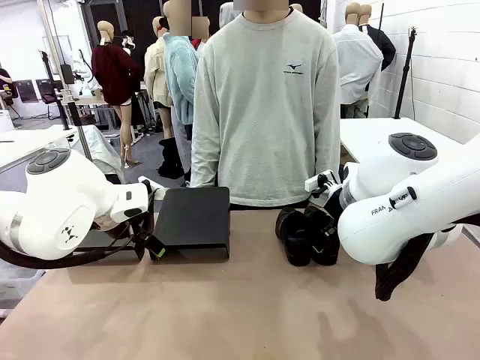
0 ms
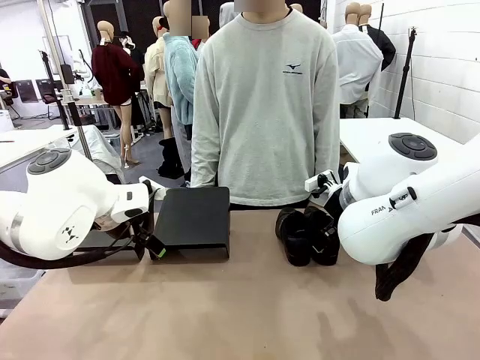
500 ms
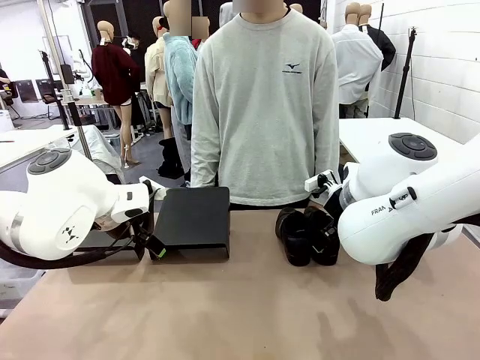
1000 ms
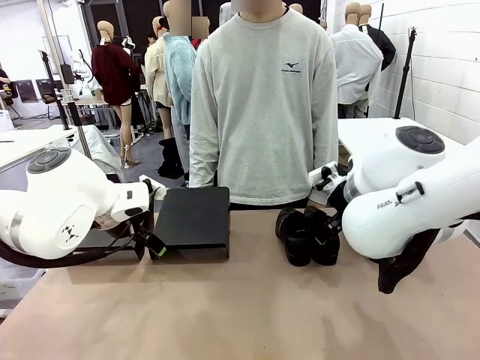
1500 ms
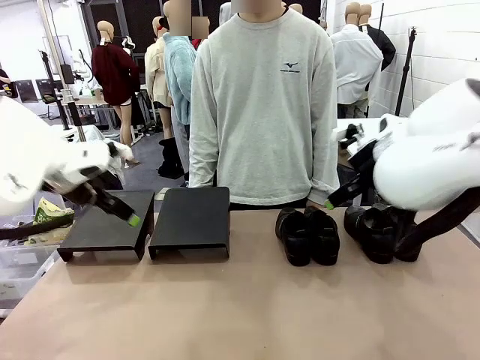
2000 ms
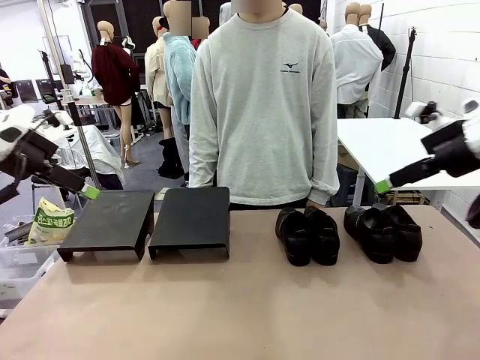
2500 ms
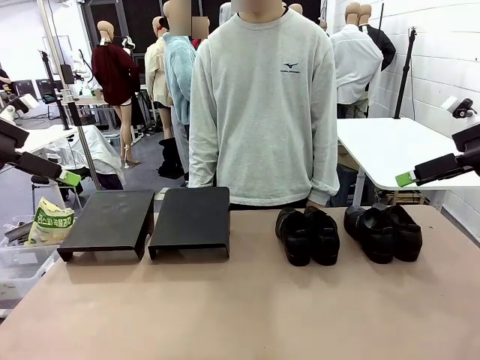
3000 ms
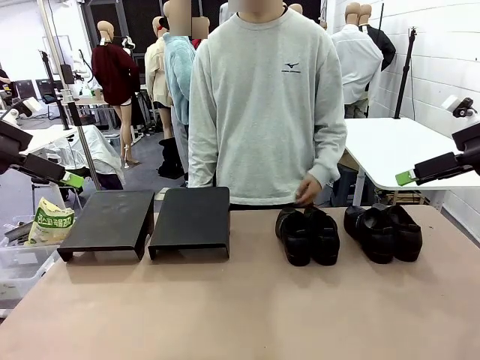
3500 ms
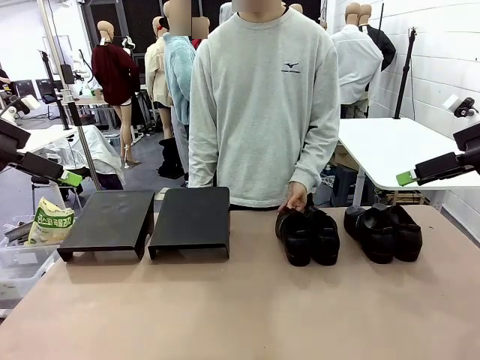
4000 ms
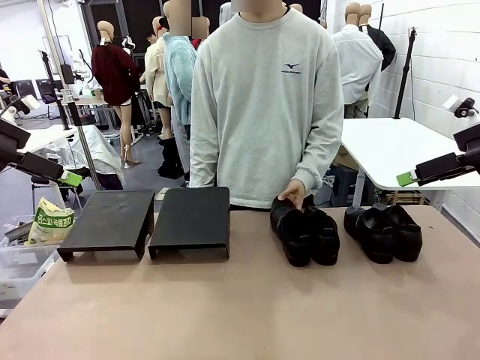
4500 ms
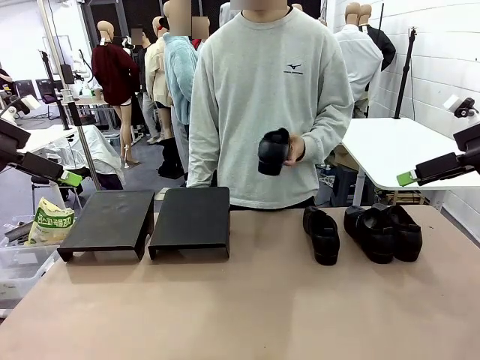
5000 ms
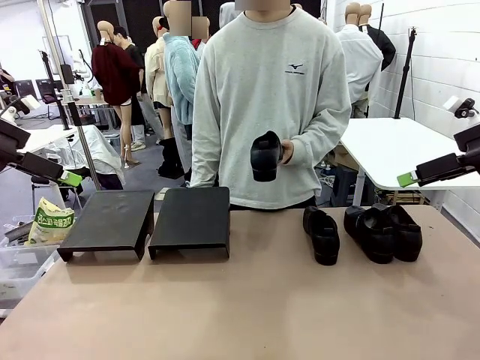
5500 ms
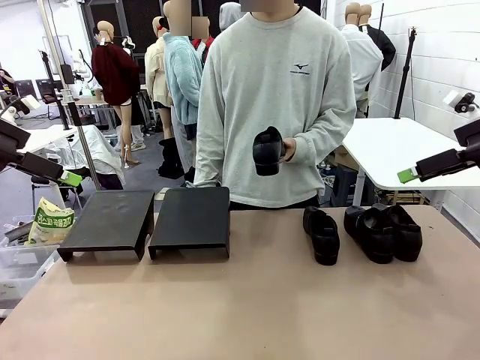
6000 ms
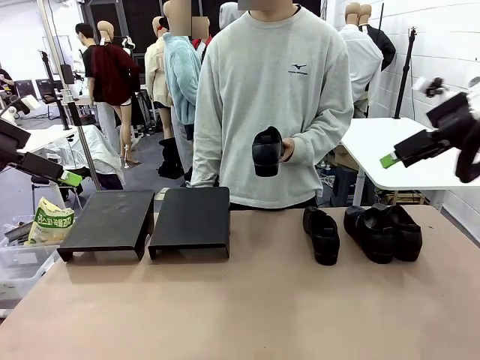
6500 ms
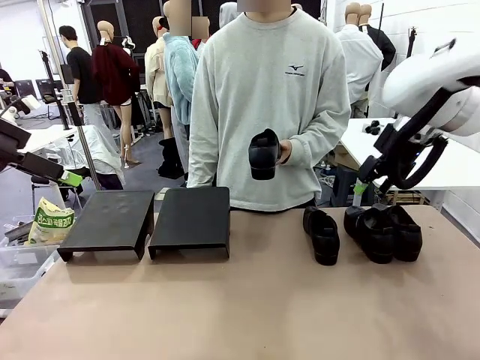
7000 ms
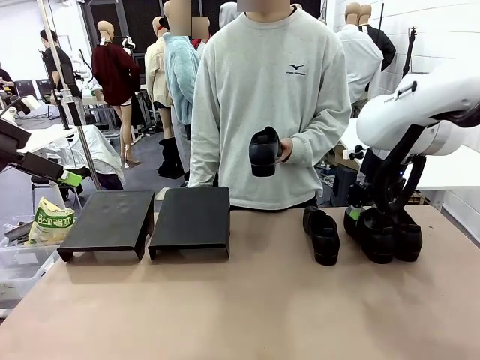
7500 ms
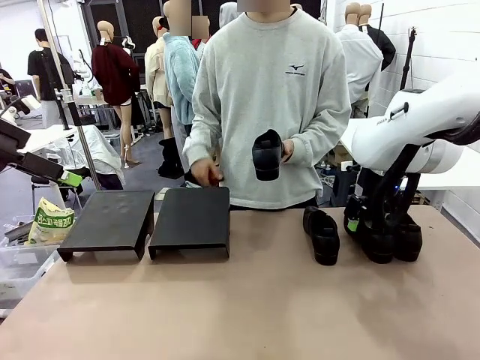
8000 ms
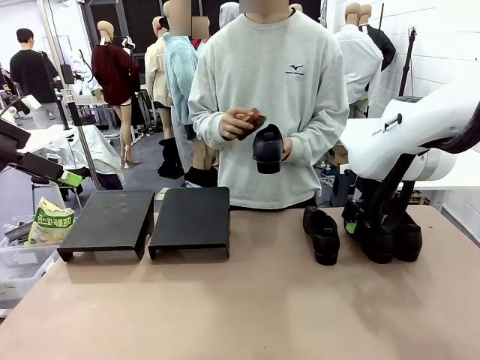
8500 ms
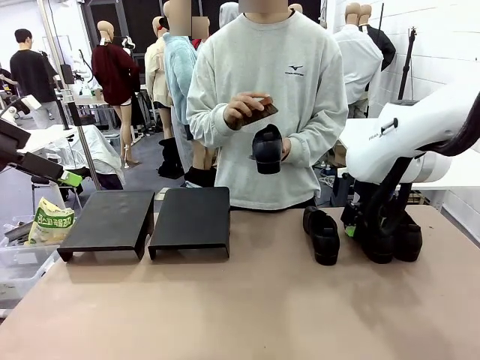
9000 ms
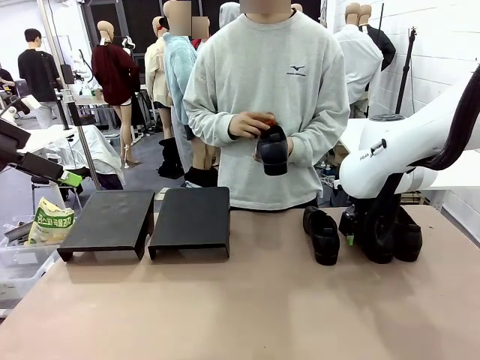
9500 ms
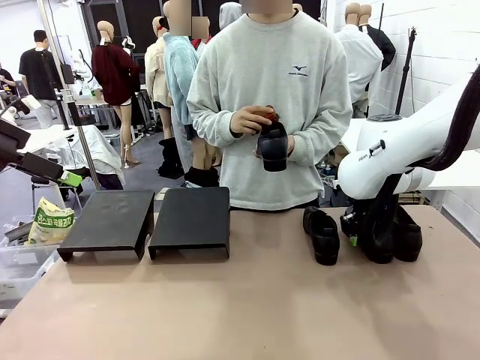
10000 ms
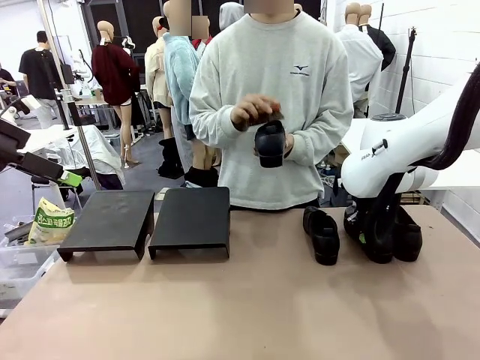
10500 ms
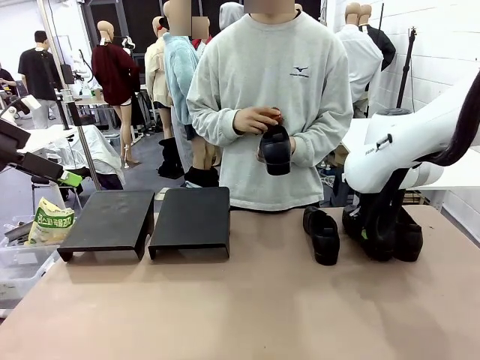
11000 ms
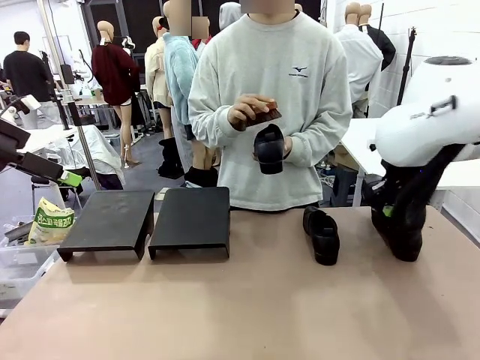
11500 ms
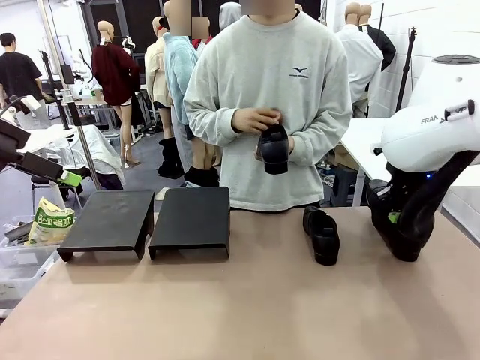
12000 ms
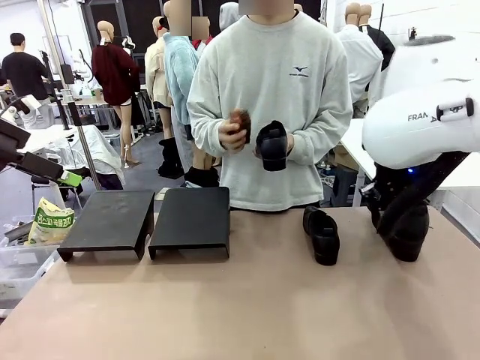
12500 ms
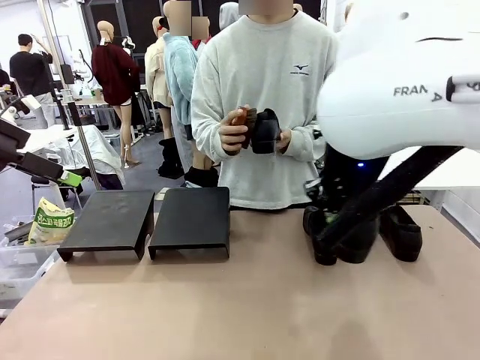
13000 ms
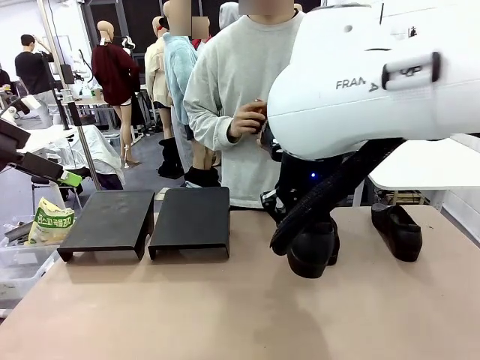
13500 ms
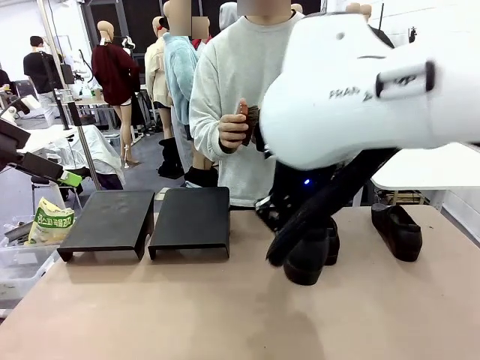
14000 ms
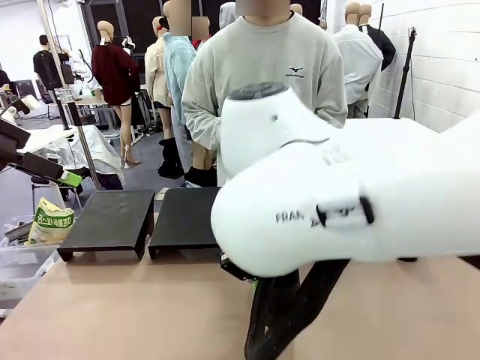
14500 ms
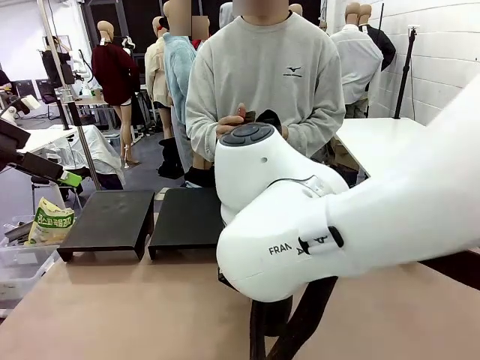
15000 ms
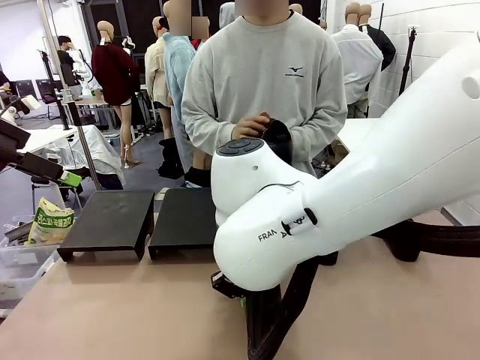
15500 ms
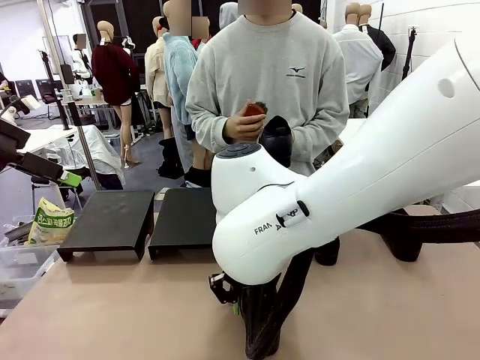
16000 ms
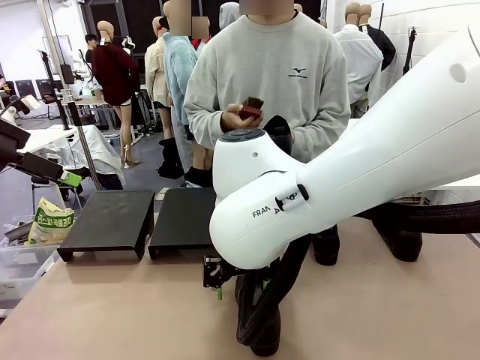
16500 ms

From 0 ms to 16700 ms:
Task: Organize the shoes by placing them on the stand.
Robot: Pick up one Shoe and place it in the middle of the table.
Person: Pick one Shoe on Robot's table.

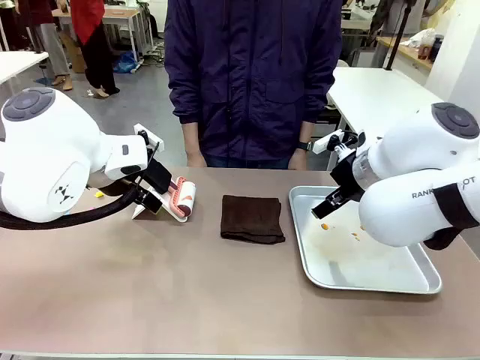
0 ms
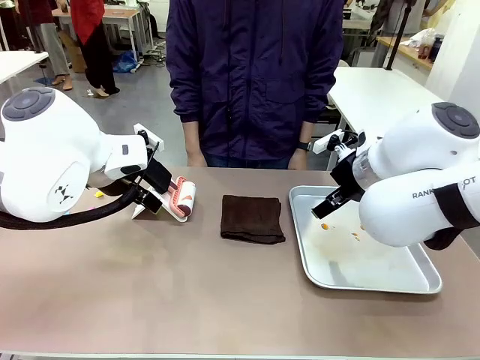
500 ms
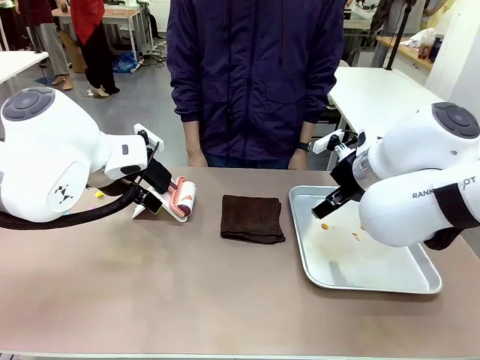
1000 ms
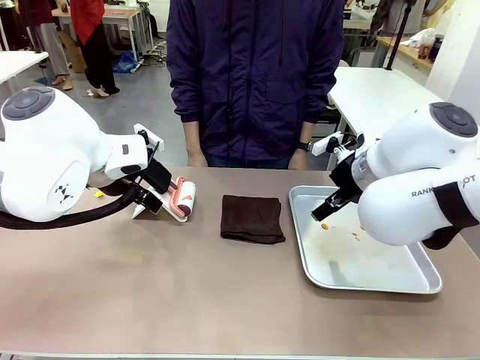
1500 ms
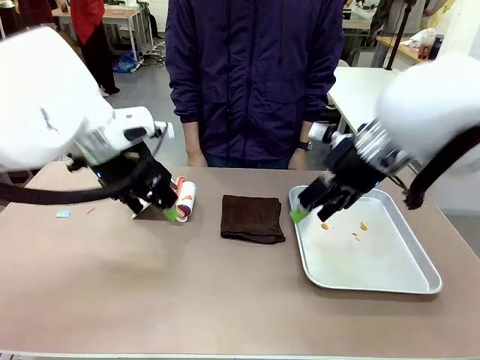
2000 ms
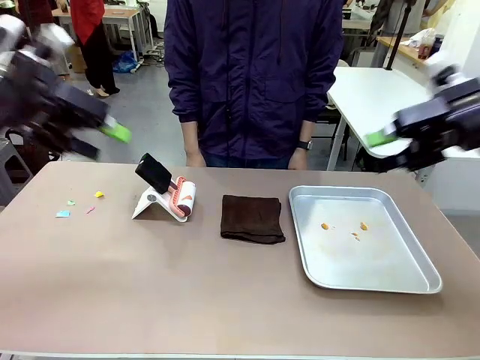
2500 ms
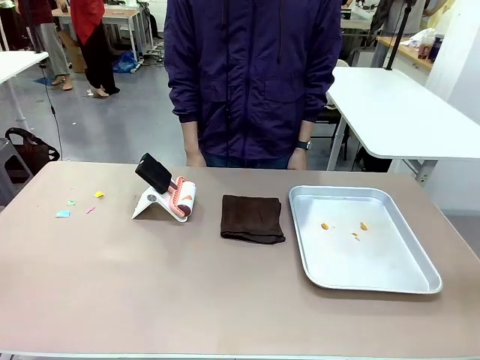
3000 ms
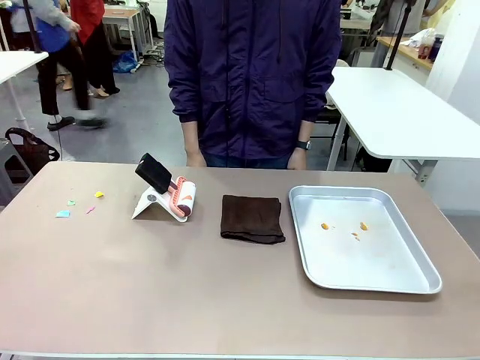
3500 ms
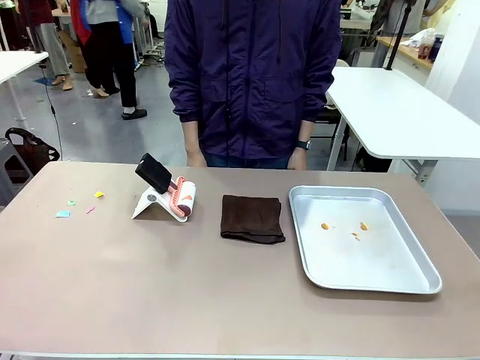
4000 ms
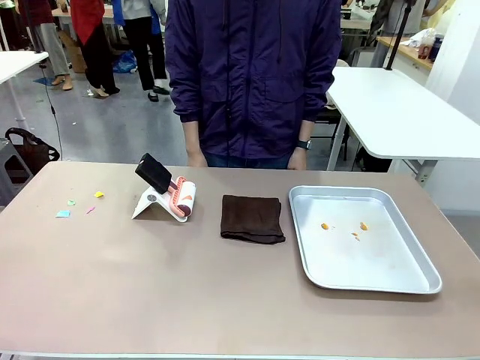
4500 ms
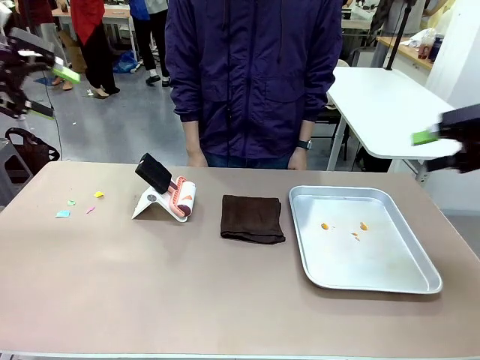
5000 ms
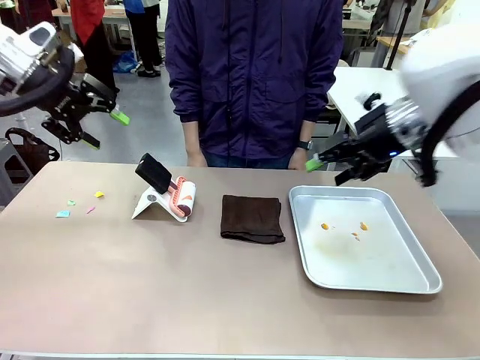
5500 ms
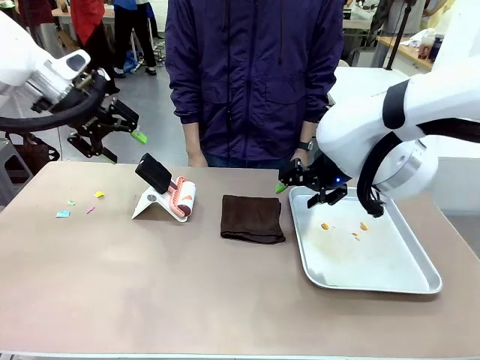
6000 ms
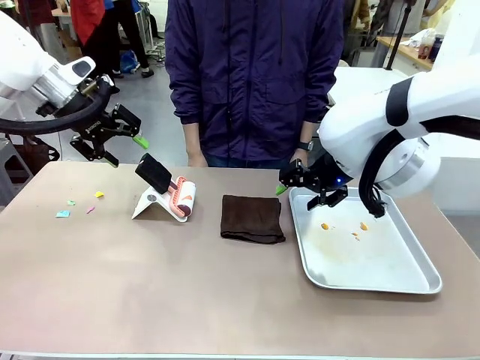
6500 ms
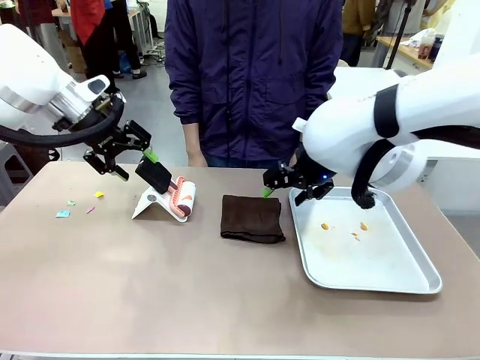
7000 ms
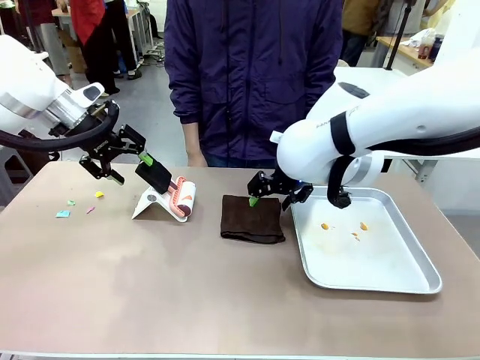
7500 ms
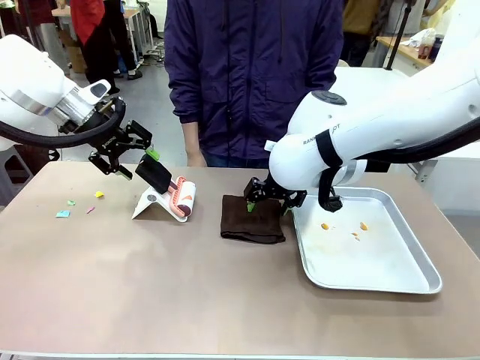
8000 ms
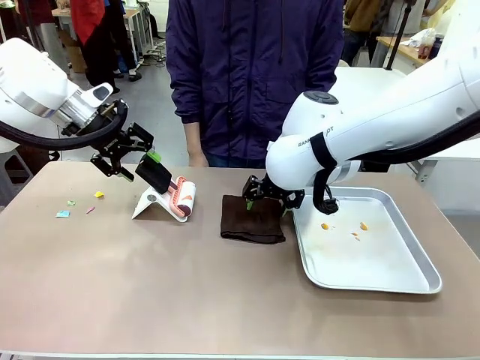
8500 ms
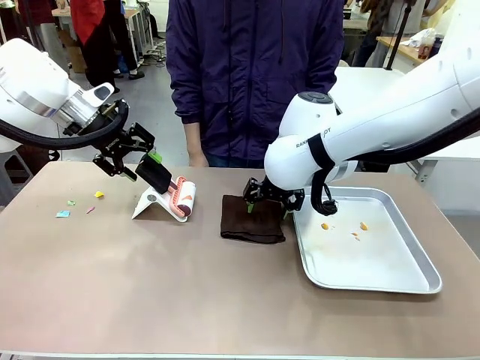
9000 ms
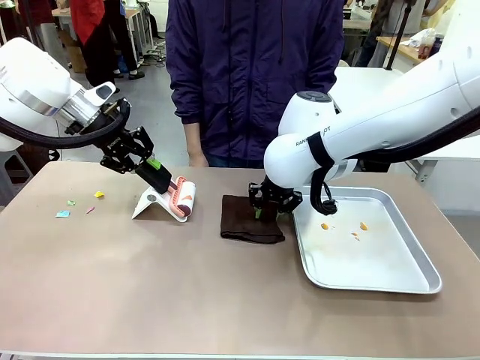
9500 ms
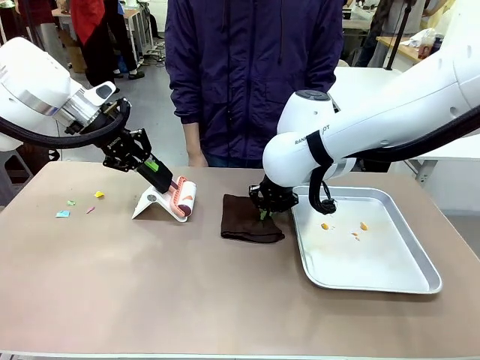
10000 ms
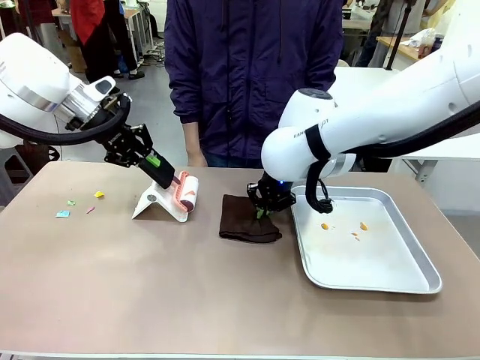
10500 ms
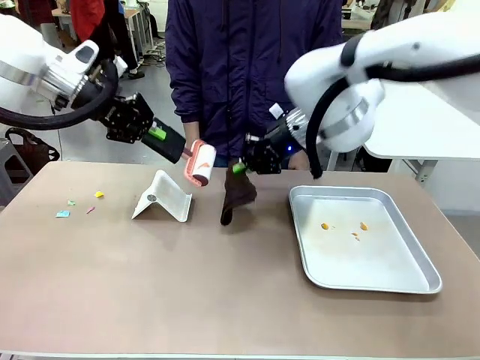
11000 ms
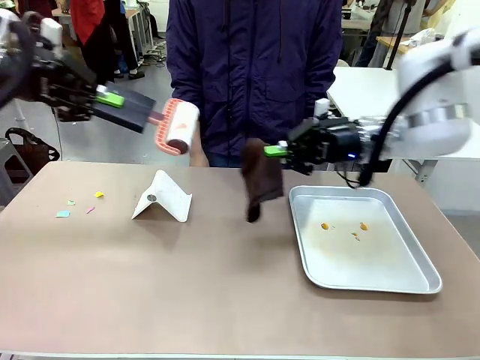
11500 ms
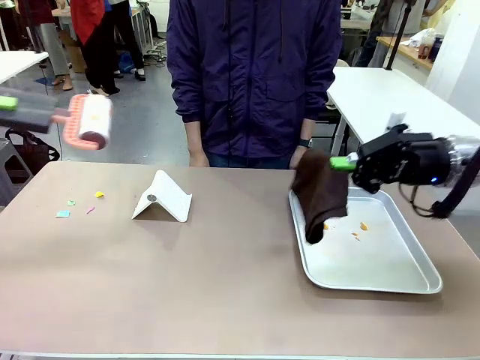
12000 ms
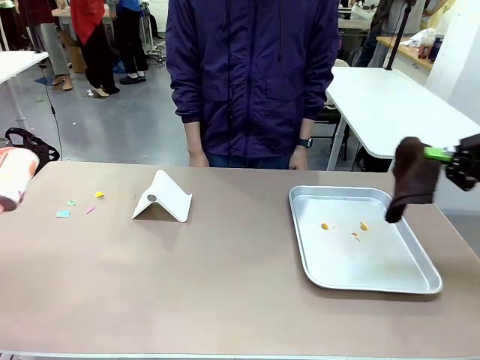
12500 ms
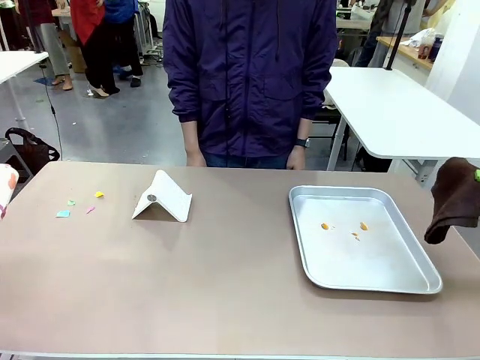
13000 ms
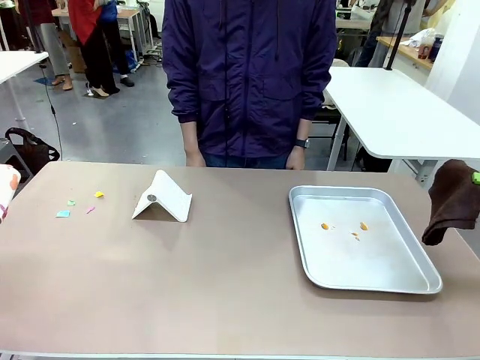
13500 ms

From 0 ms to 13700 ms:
Task: Clean the surface of the table.
Robot: Hold the Lint Roller with your left hand and the towel with your right hand.
